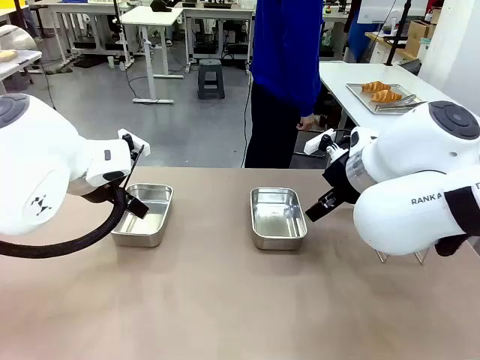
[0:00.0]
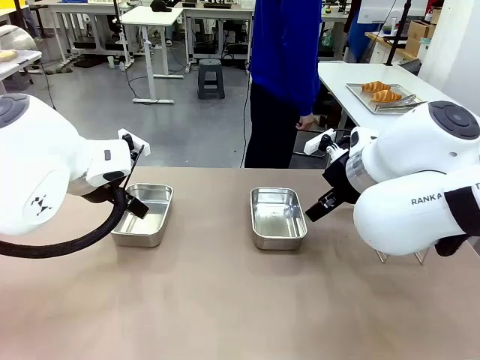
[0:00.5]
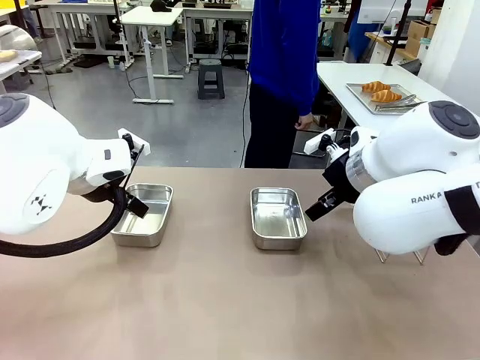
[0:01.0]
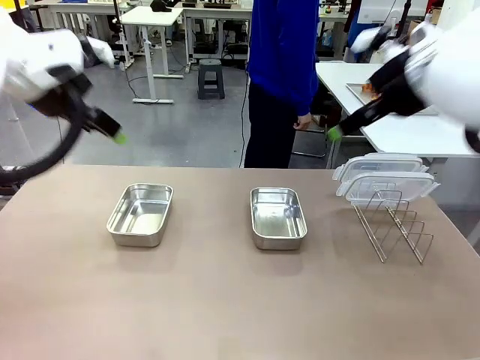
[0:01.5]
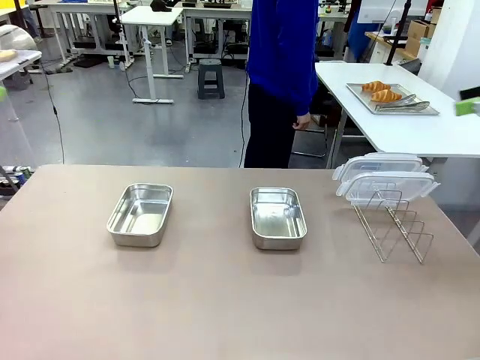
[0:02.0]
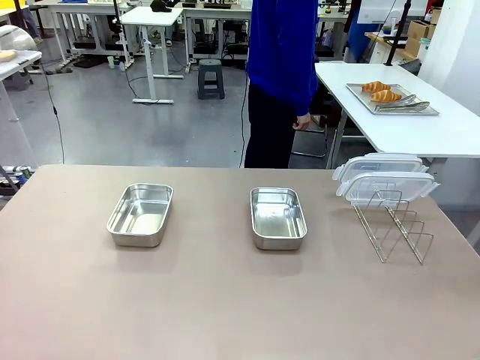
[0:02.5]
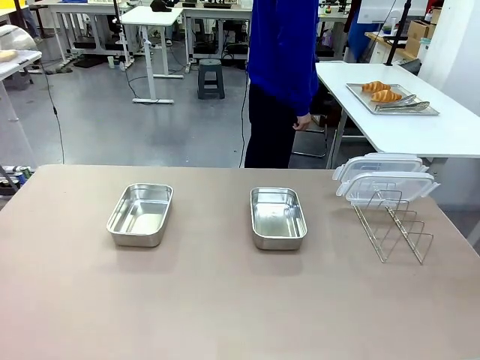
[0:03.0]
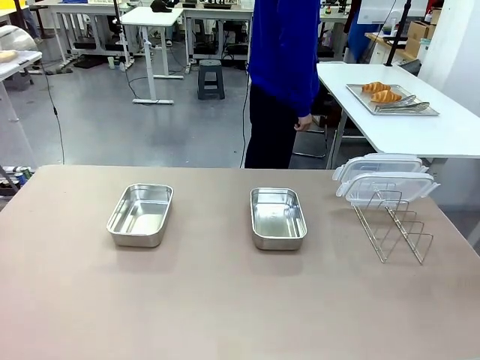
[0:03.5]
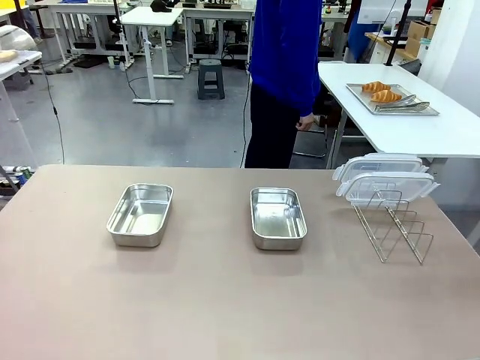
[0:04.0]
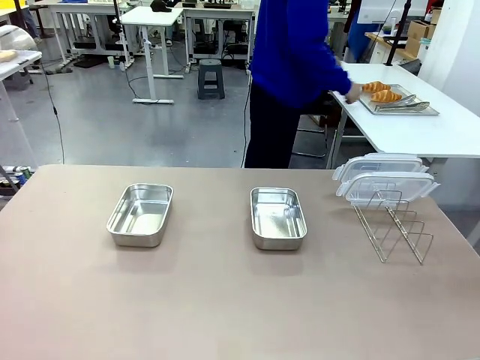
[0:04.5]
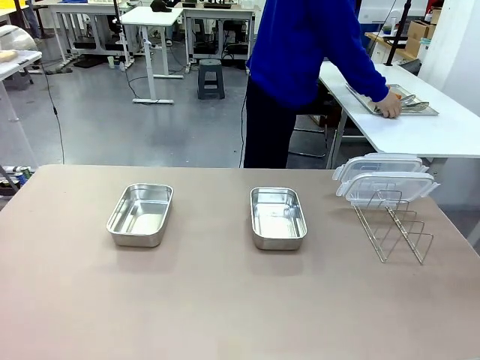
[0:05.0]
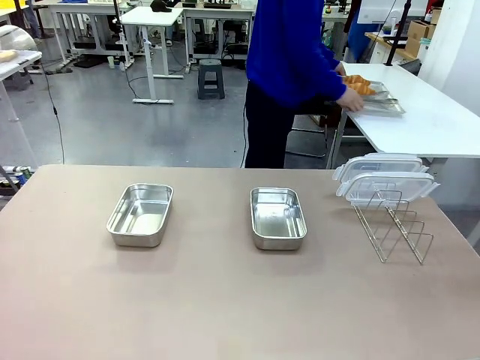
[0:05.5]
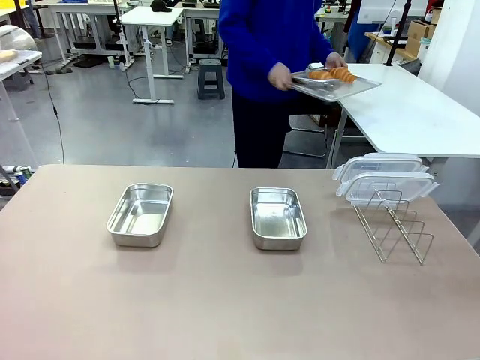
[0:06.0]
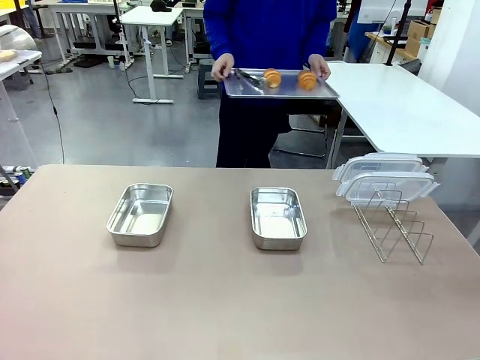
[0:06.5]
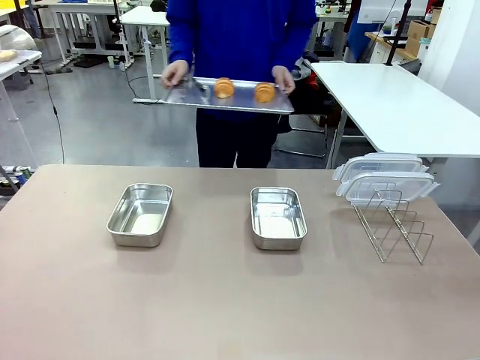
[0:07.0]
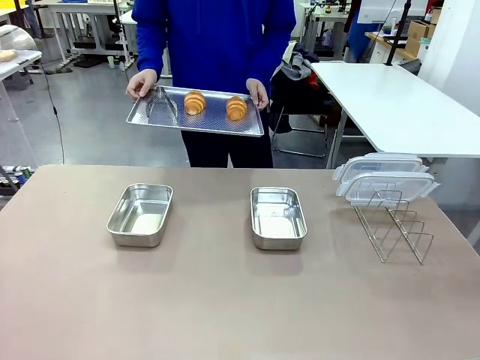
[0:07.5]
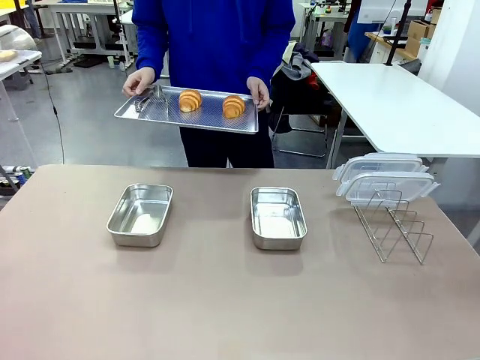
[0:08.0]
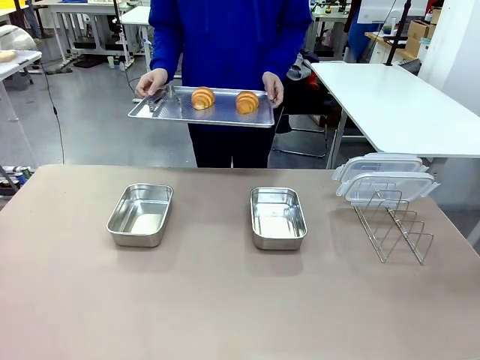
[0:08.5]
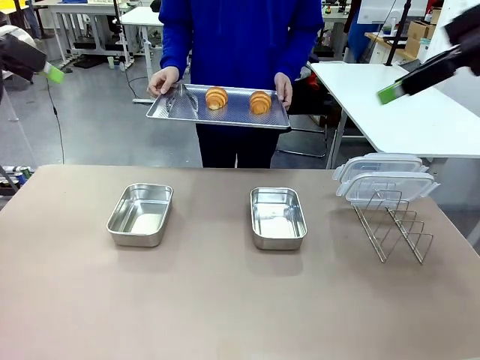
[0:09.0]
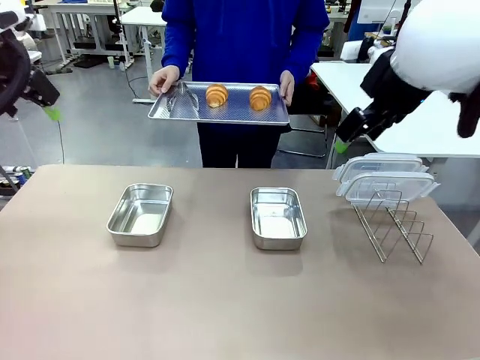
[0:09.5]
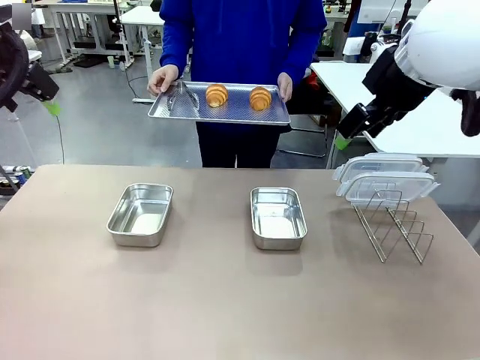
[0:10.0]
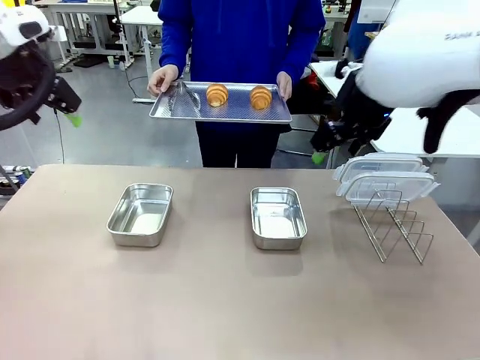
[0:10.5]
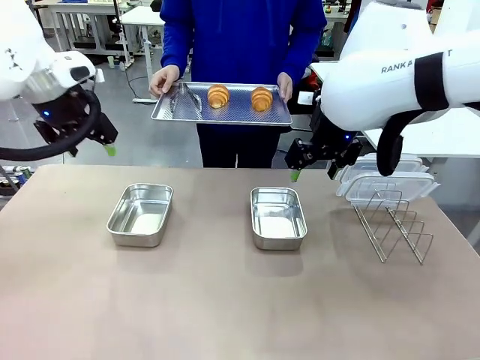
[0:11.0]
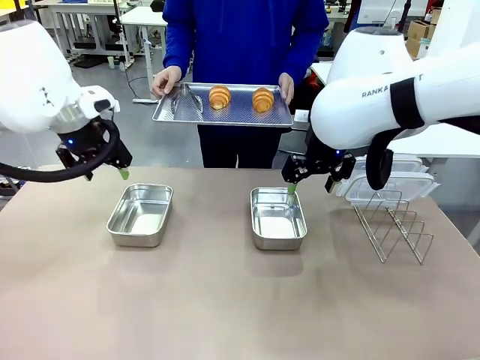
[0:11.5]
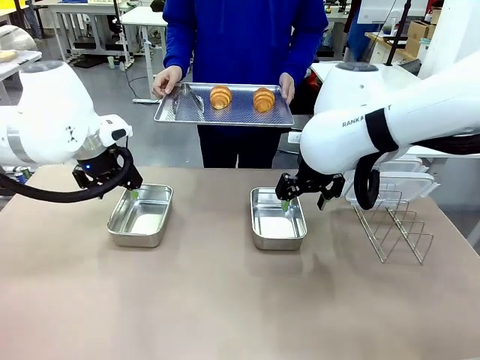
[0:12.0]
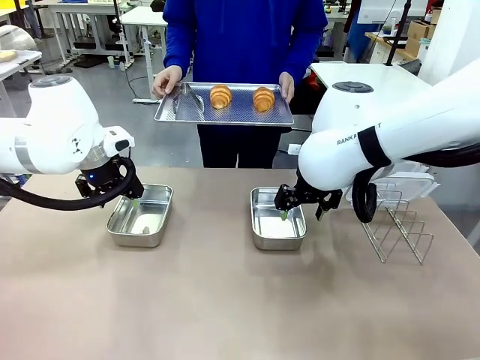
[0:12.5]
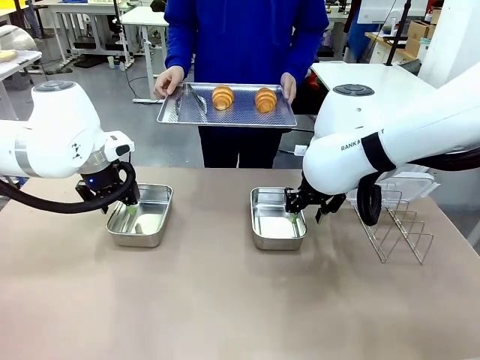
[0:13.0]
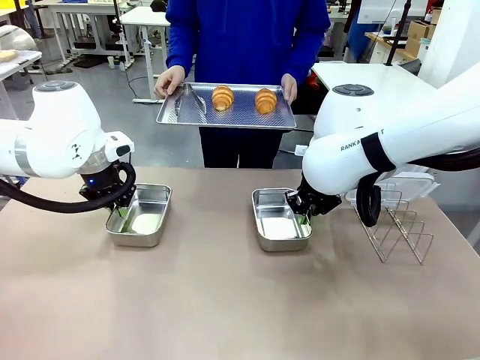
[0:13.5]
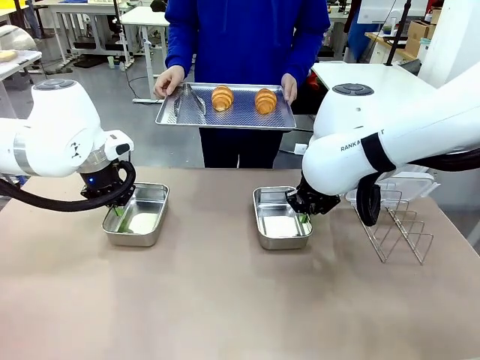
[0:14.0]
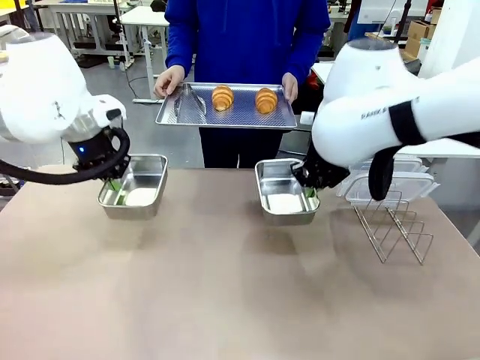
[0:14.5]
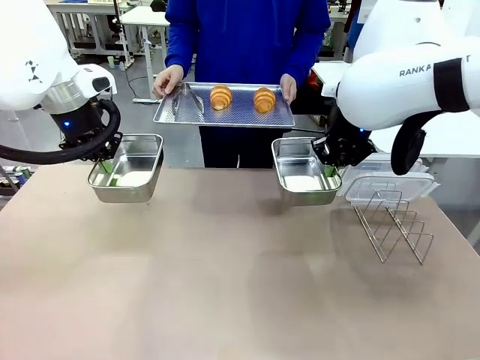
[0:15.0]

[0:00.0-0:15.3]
Task: Place the bread in airtight containers.
Robot: Lift both Airtight Container.
Person: Bring the Baking Sheet in front of Robot's Table.

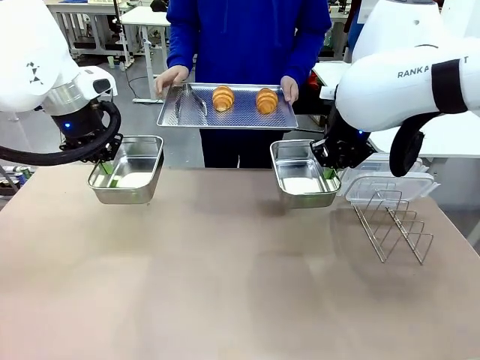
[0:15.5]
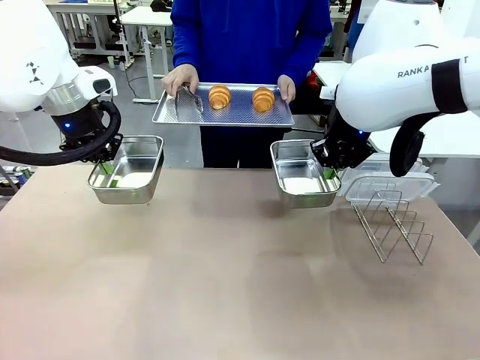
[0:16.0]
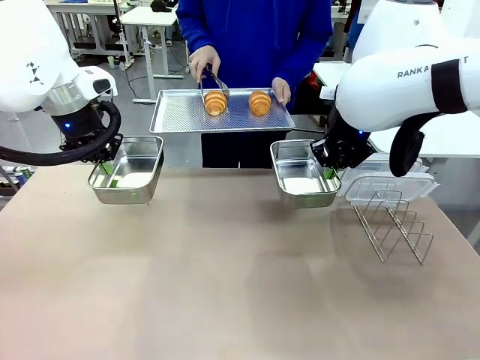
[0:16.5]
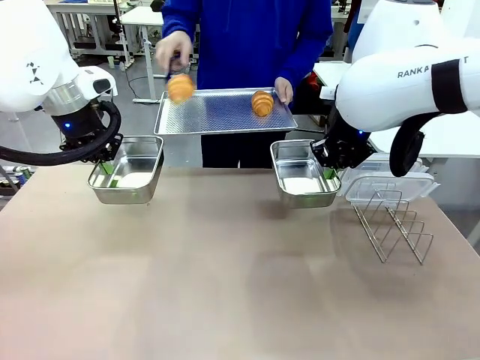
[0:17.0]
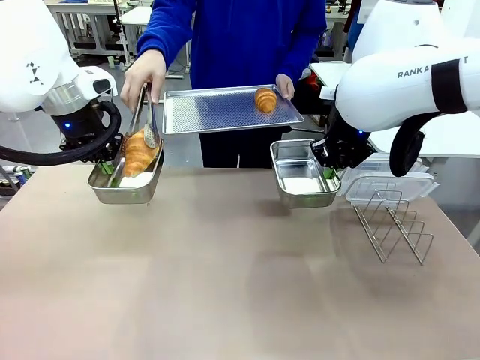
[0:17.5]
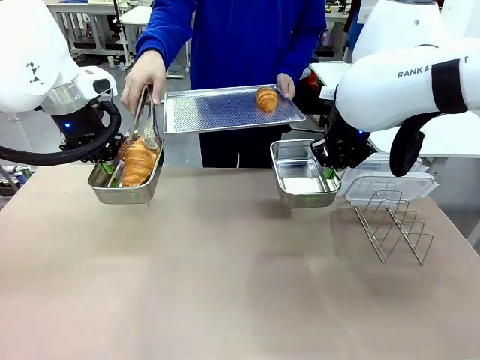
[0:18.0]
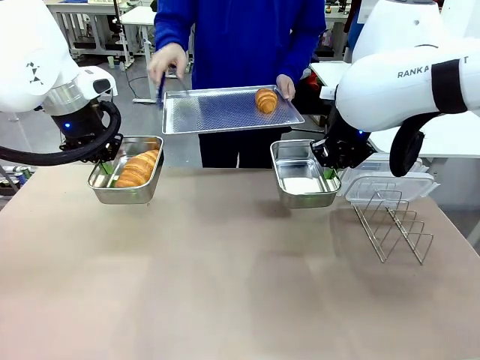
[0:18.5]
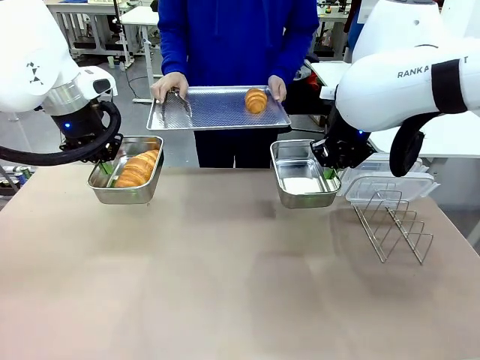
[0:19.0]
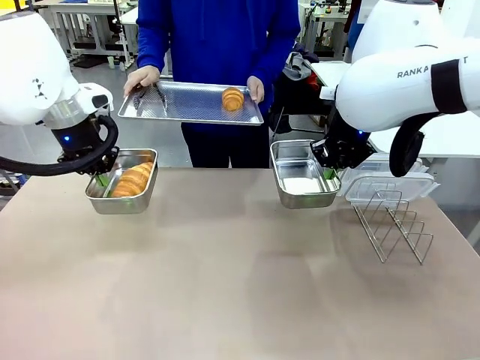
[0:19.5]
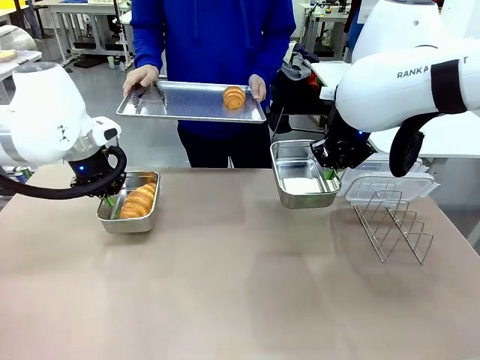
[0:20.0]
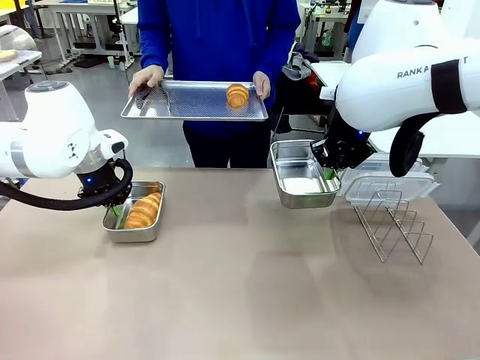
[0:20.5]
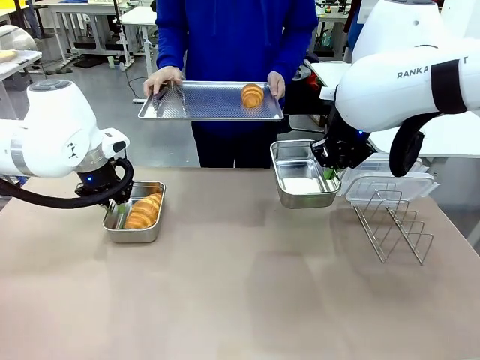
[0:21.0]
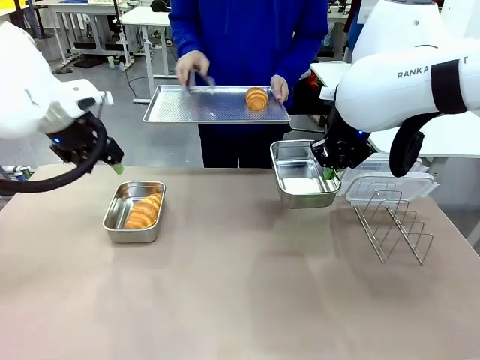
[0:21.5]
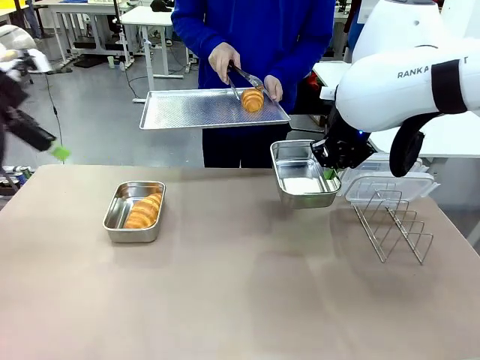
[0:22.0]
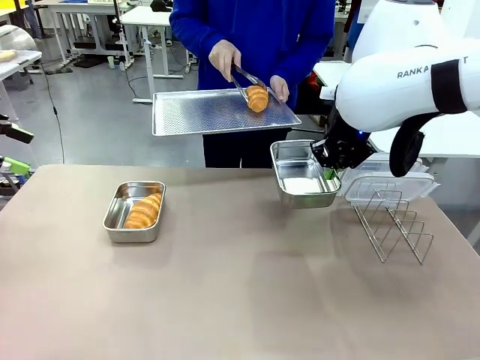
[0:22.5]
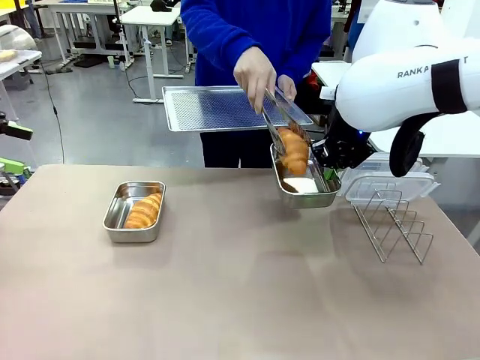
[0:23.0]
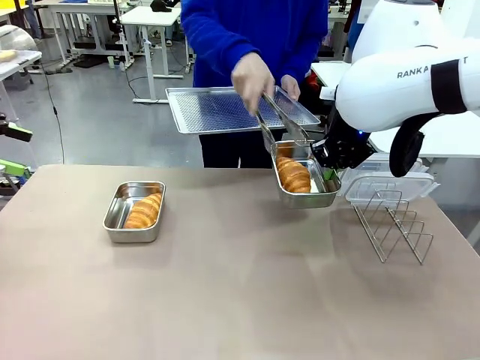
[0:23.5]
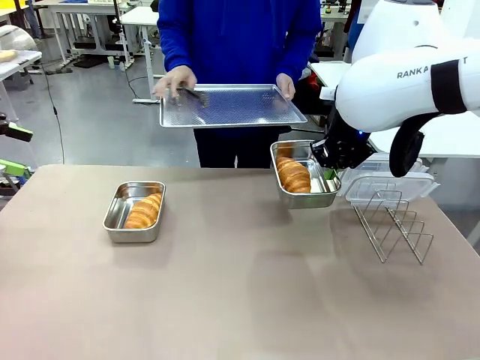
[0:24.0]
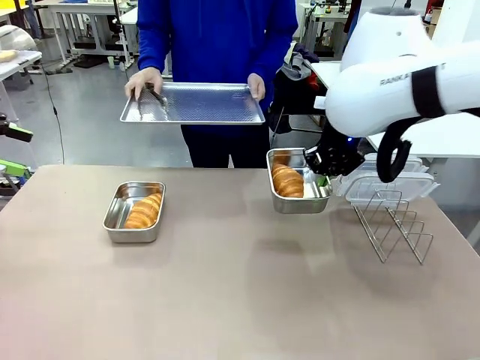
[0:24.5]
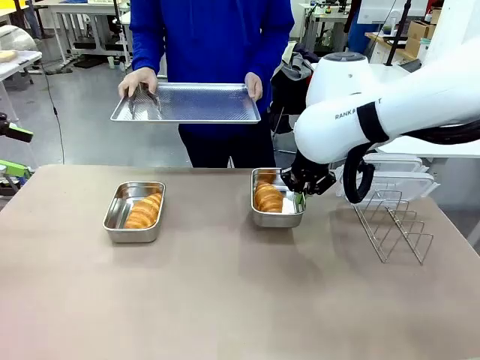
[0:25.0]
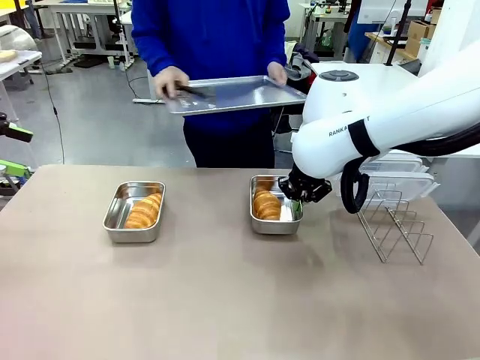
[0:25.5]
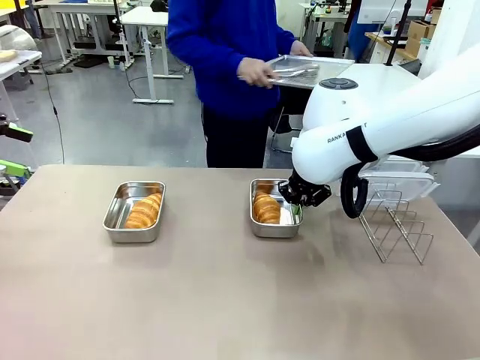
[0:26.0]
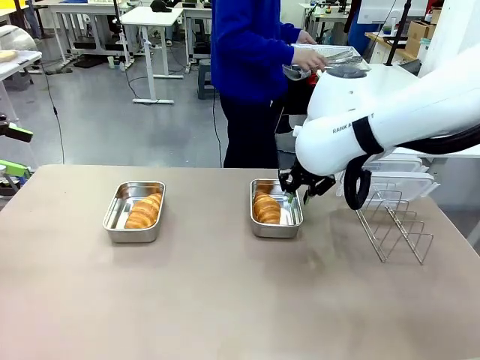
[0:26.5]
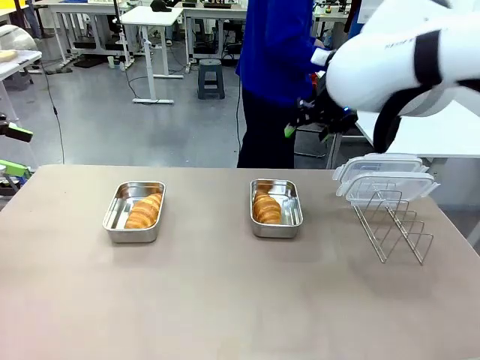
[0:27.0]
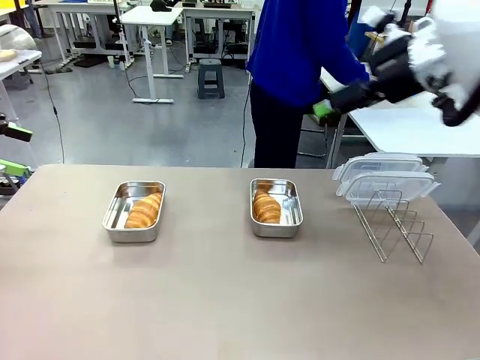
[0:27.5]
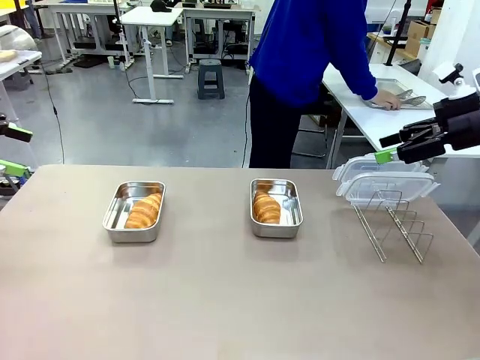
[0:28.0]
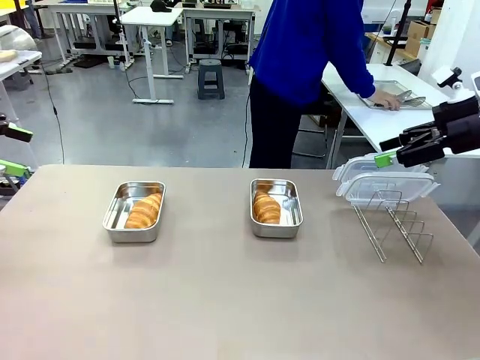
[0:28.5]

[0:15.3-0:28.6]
Robot: Once an object is inside an Airtight Container , place the container in the center of the table.
Person: Use the Stainless steel tongs to place one object from Baking Sheet into one Airtight Container. Place Baking Sheet on the Human's Table.
